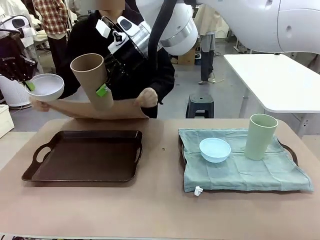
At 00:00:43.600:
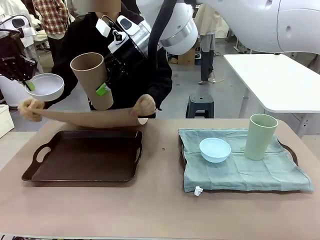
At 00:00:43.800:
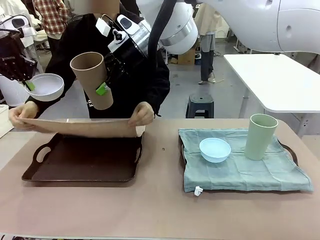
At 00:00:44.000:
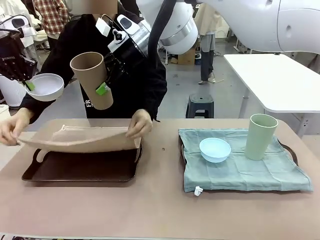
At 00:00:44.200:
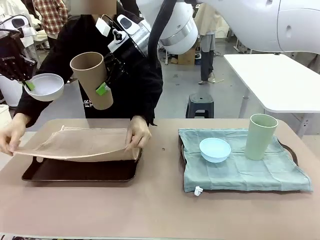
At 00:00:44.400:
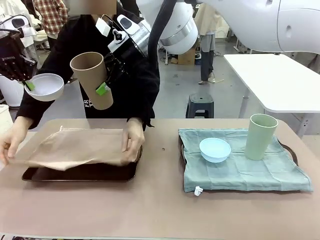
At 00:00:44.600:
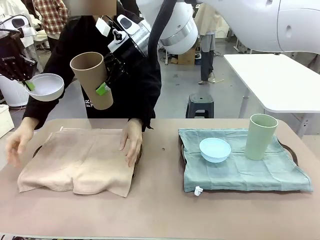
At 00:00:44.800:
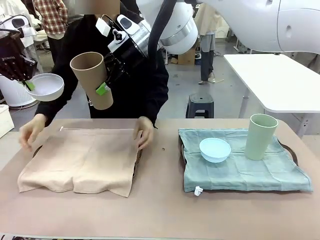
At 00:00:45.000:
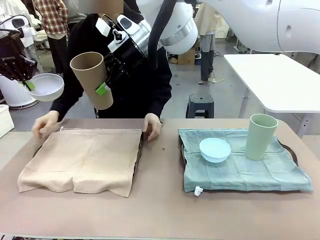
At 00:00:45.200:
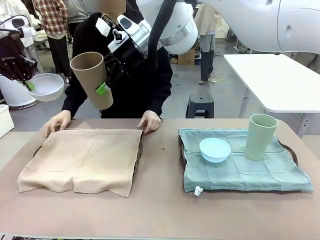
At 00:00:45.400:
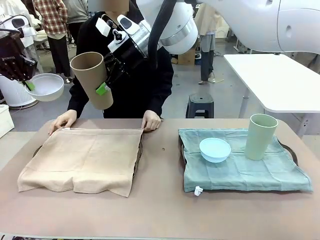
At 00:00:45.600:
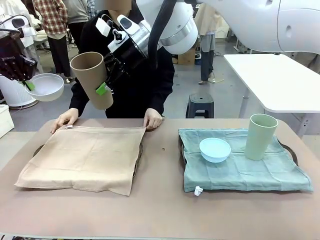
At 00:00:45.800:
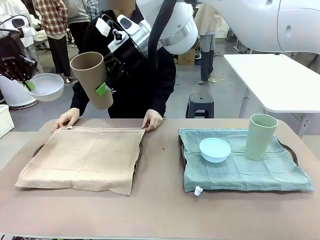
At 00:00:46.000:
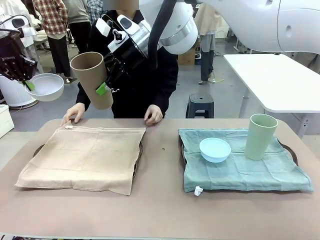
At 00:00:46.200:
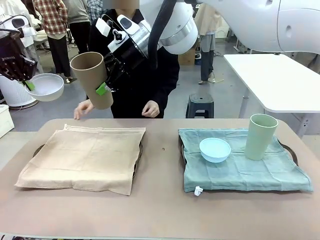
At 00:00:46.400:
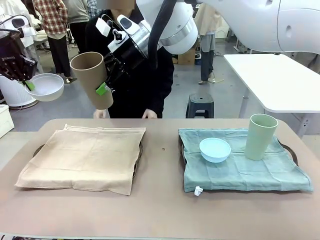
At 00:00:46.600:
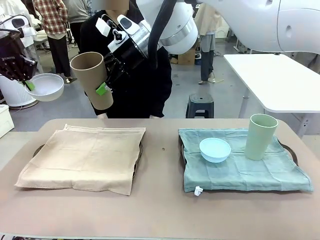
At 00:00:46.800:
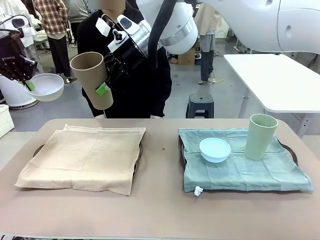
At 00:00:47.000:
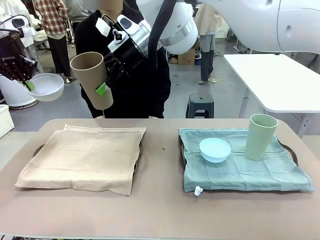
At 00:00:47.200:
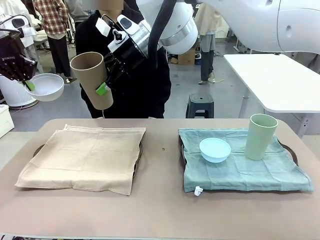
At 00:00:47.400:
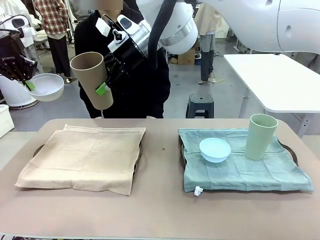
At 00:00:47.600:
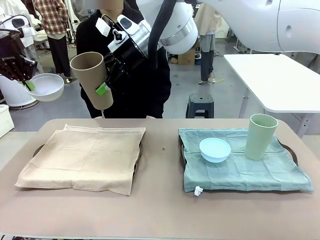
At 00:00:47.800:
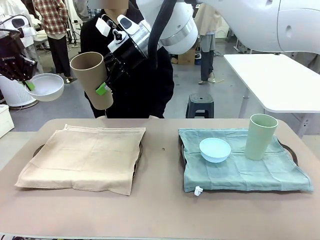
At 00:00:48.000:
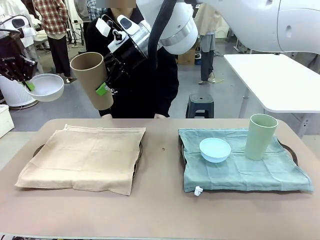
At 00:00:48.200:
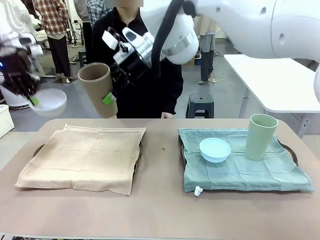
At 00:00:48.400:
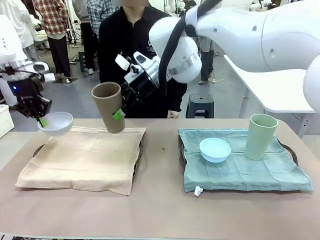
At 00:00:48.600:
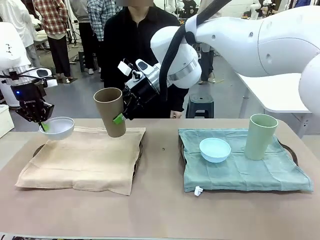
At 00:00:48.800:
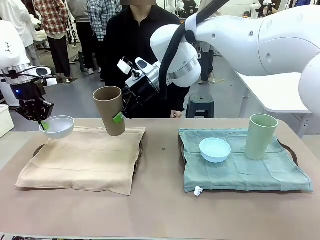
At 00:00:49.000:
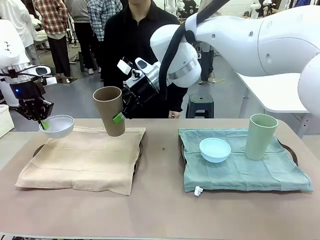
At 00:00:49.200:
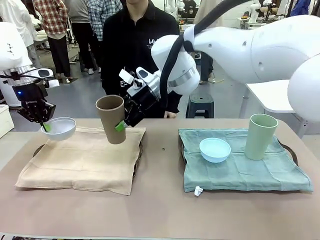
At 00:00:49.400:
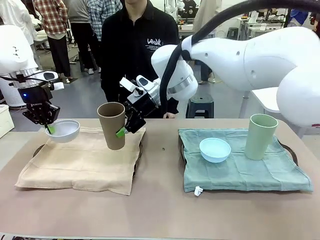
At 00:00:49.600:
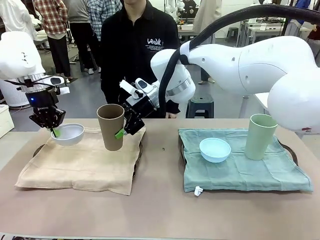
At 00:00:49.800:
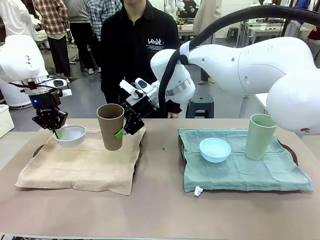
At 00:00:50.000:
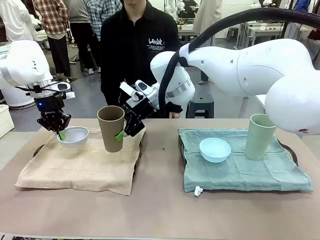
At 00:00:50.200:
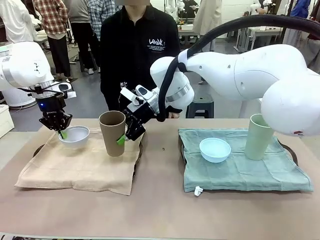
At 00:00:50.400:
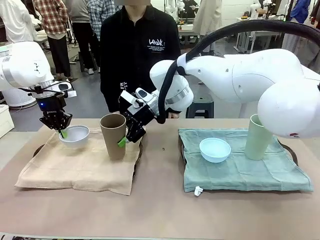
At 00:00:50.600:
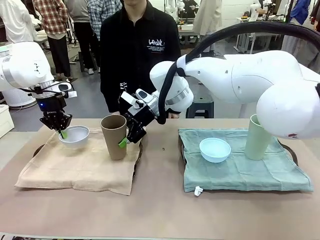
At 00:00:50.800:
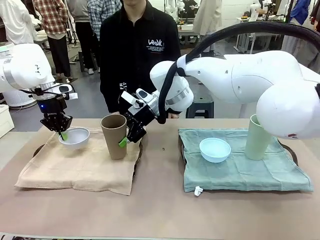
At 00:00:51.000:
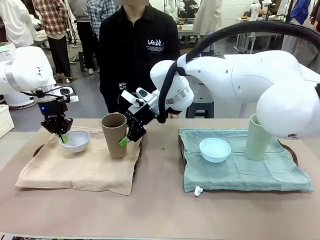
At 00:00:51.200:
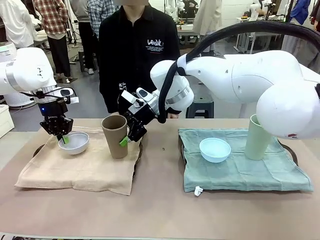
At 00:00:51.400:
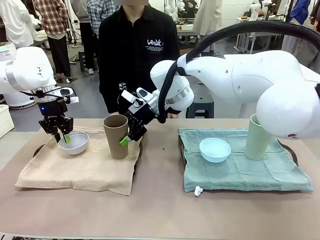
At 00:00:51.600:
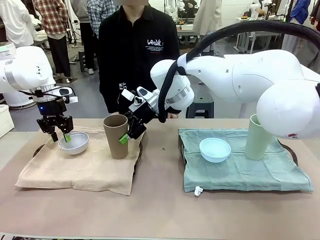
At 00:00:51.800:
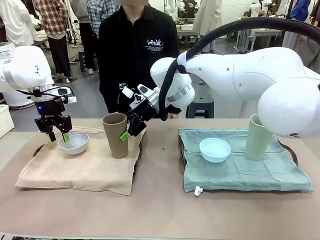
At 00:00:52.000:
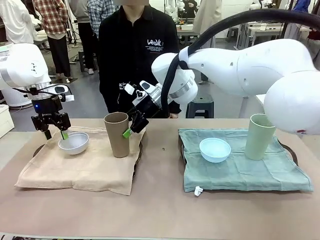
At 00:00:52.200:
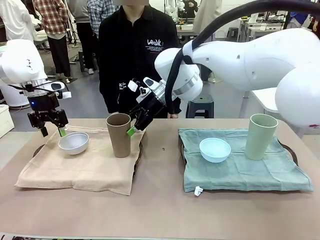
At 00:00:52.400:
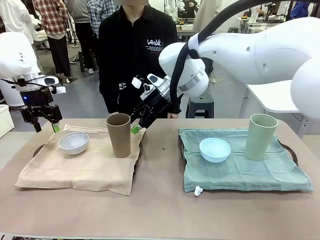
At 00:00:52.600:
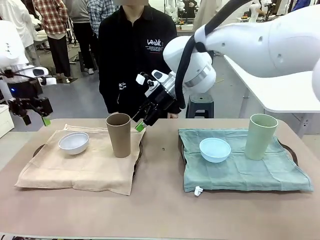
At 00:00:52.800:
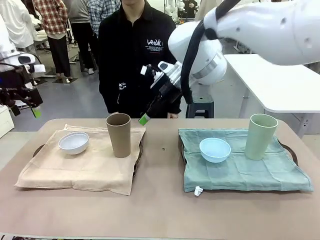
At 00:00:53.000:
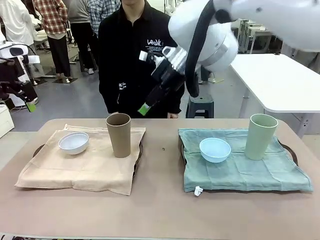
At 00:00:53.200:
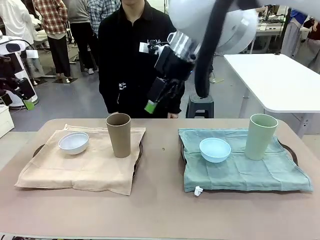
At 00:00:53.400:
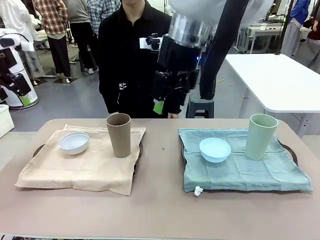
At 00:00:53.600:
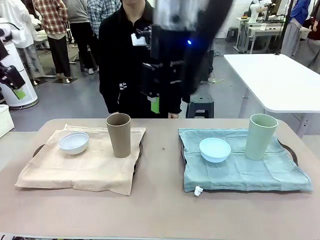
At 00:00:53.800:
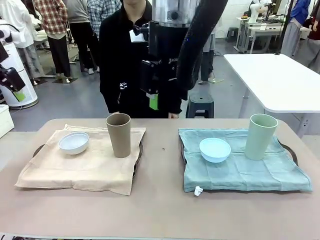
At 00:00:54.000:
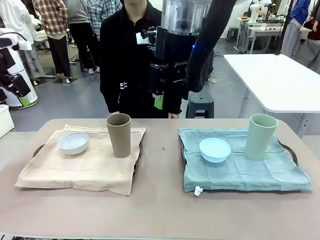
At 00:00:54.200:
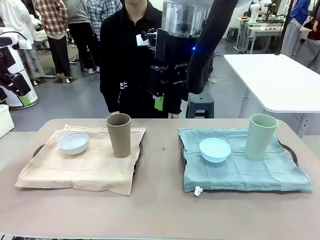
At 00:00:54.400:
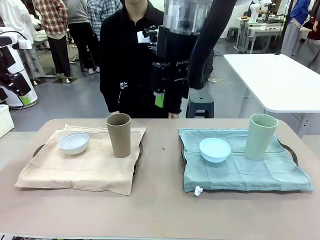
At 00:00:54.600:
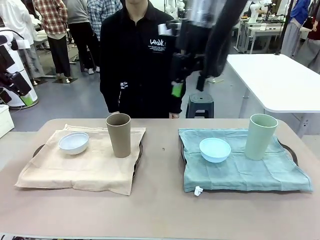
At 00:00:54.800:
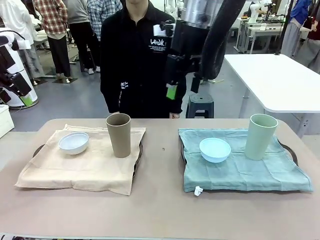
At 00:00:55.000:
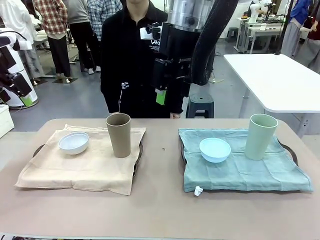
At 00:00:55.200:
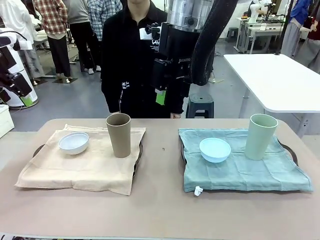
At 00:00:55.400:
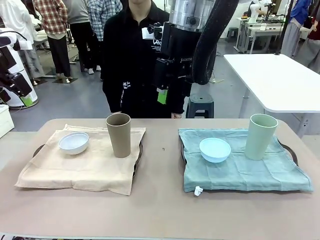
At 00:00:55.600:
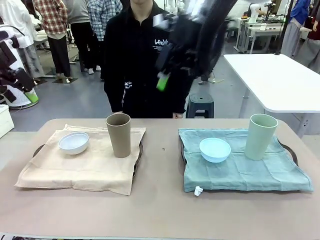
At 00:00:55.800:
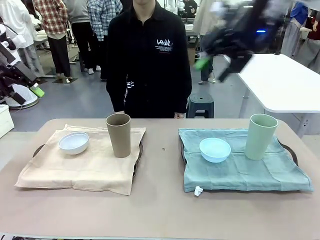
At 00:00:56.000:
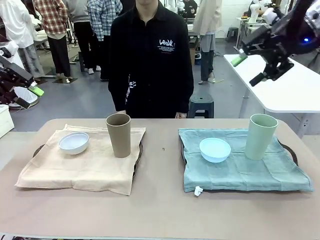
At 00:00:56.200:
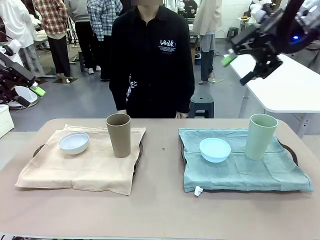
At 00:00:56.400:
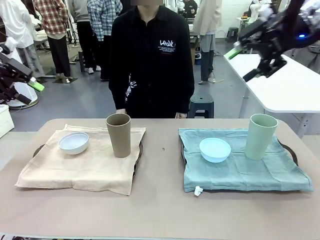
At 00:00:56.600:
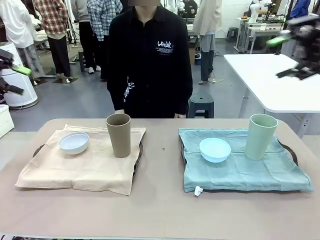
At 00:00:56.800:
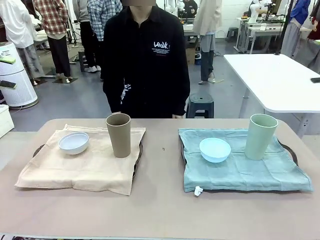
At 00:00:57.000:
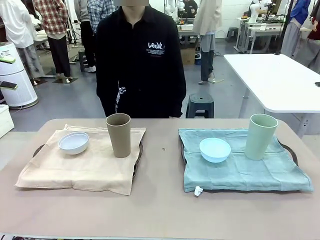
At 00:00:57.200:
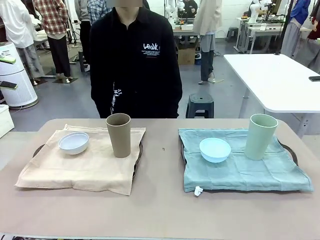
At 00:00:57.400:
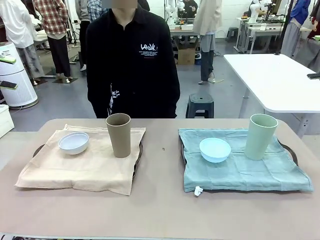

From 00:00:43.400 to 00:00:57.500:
Robot: Place the Picnic Bowl and Reusable plastic cup back onto the Handle tray in front of the human's position.
Person: When the robot lifts the bowl and the cup, the human unfolds the napkin and lays the napkin flat on the tray.
